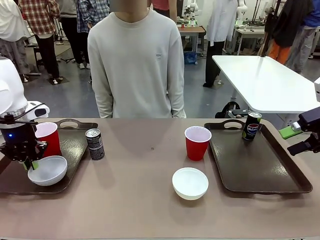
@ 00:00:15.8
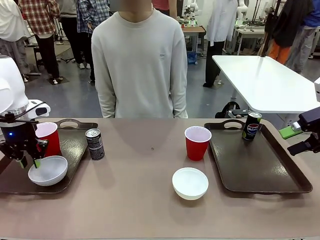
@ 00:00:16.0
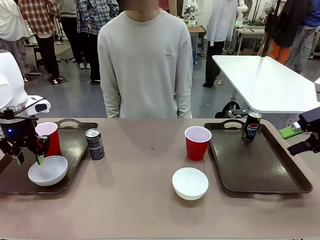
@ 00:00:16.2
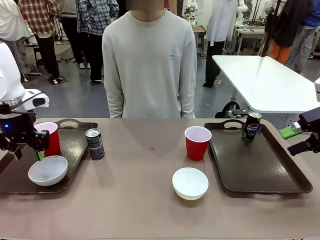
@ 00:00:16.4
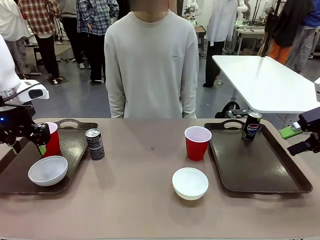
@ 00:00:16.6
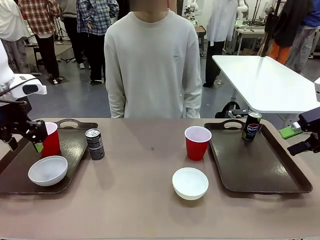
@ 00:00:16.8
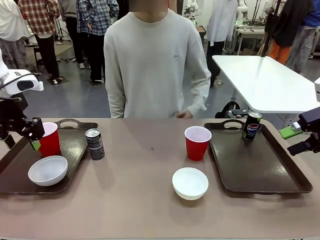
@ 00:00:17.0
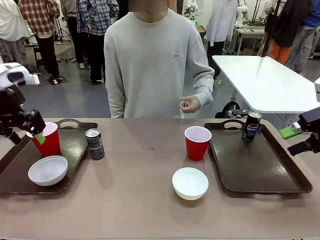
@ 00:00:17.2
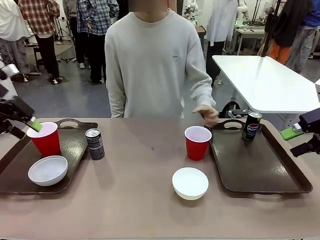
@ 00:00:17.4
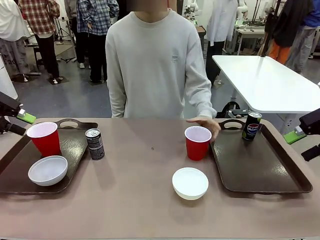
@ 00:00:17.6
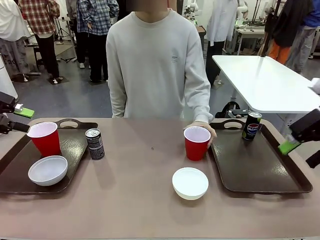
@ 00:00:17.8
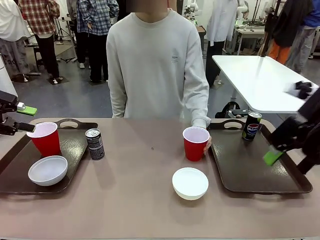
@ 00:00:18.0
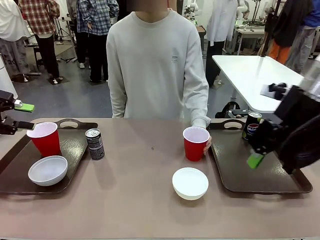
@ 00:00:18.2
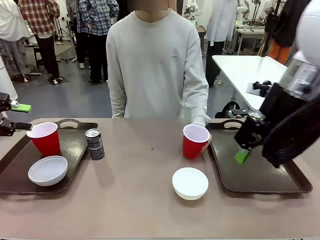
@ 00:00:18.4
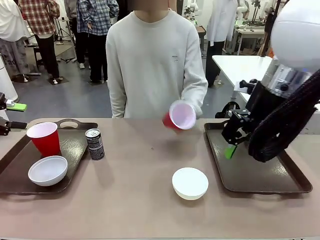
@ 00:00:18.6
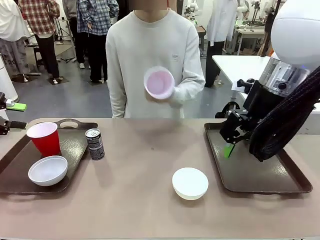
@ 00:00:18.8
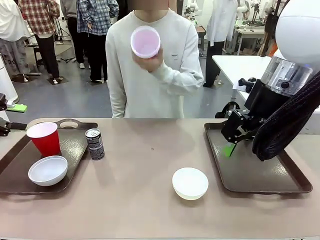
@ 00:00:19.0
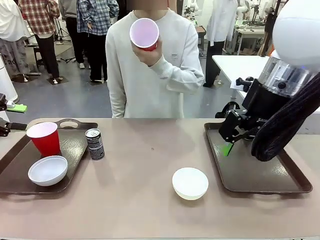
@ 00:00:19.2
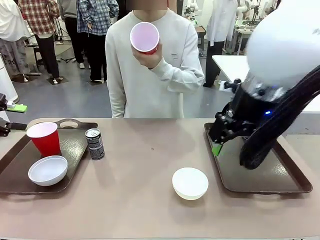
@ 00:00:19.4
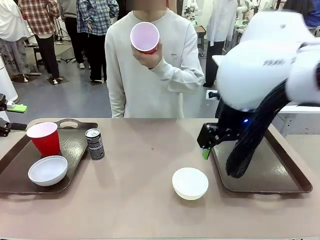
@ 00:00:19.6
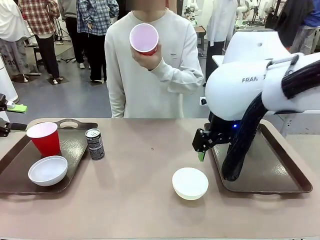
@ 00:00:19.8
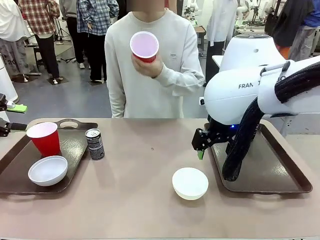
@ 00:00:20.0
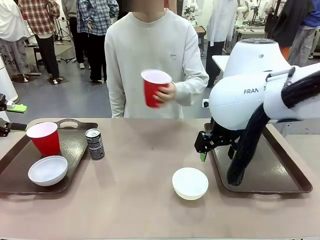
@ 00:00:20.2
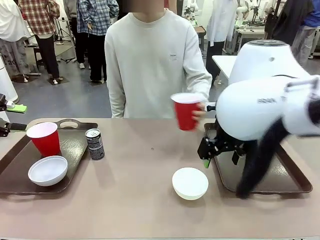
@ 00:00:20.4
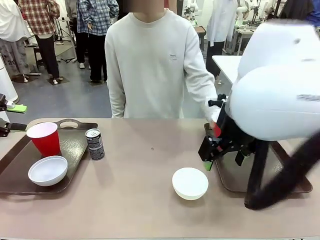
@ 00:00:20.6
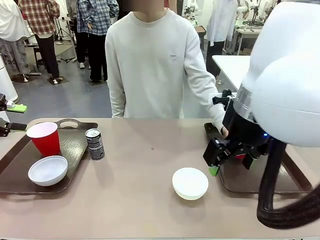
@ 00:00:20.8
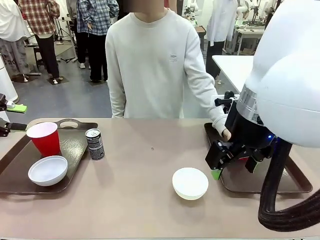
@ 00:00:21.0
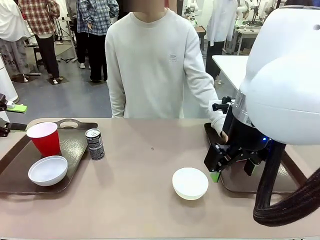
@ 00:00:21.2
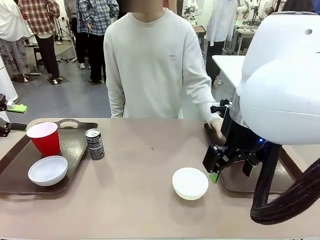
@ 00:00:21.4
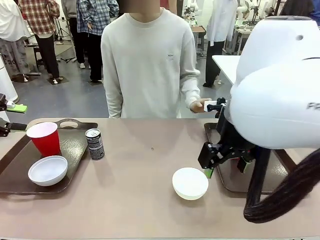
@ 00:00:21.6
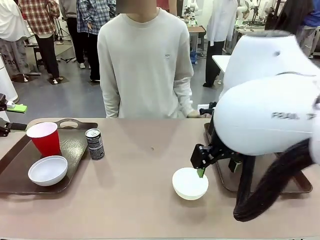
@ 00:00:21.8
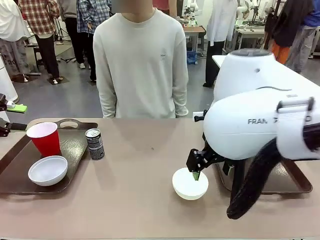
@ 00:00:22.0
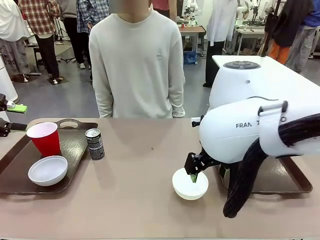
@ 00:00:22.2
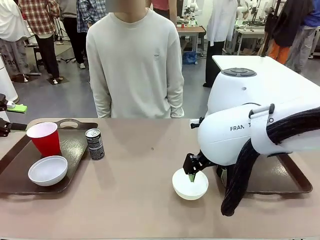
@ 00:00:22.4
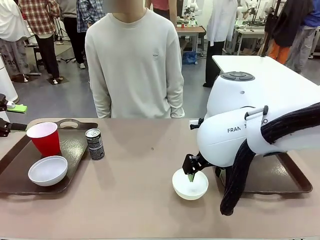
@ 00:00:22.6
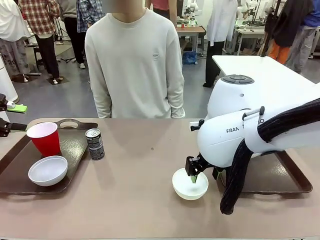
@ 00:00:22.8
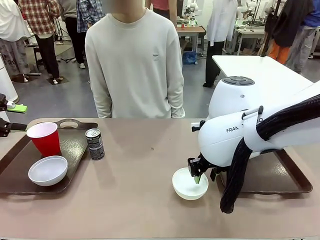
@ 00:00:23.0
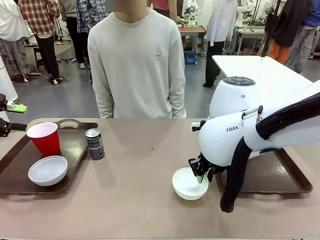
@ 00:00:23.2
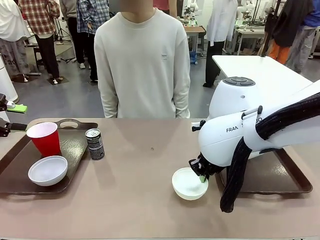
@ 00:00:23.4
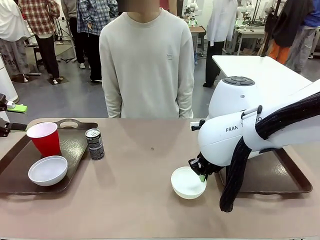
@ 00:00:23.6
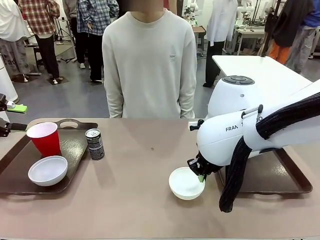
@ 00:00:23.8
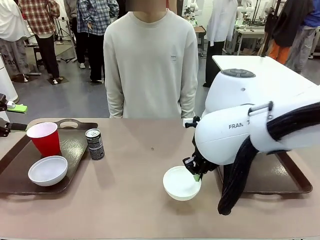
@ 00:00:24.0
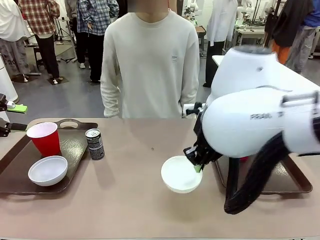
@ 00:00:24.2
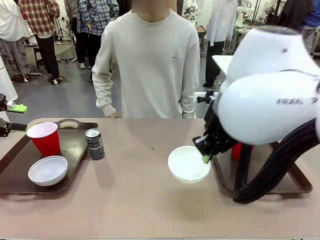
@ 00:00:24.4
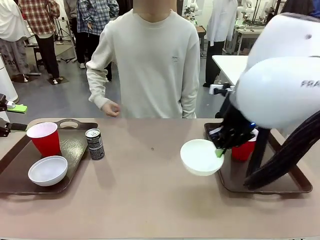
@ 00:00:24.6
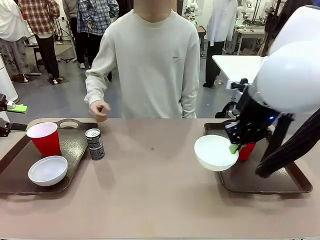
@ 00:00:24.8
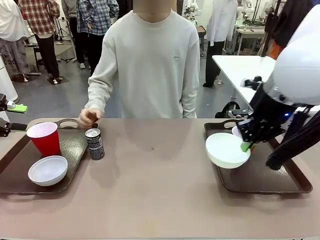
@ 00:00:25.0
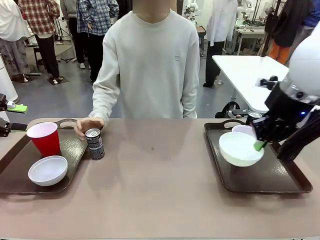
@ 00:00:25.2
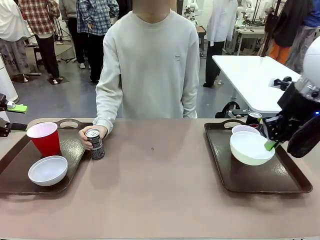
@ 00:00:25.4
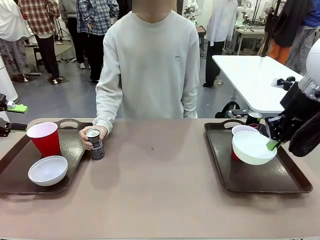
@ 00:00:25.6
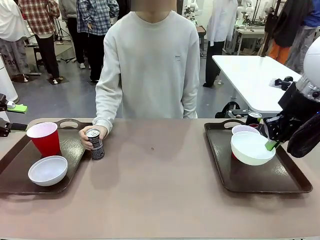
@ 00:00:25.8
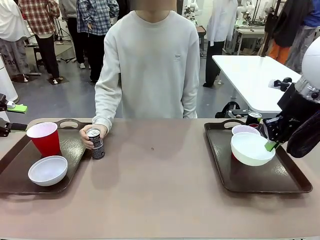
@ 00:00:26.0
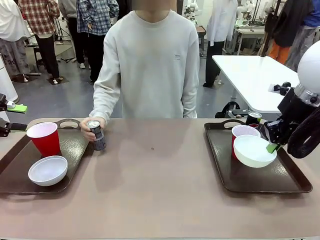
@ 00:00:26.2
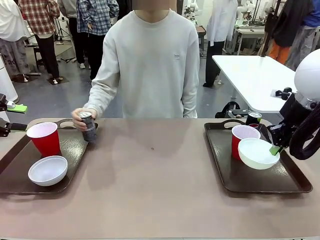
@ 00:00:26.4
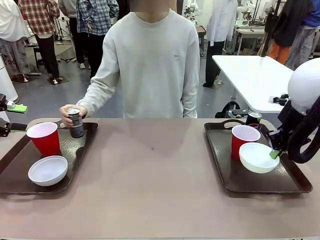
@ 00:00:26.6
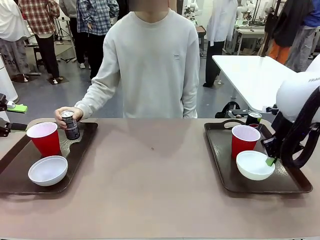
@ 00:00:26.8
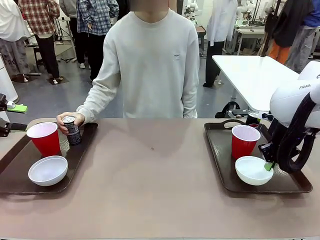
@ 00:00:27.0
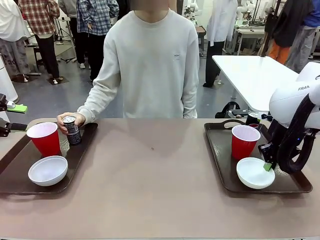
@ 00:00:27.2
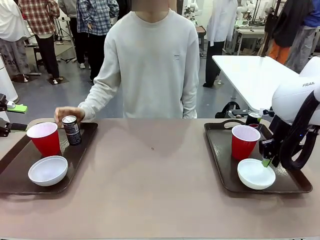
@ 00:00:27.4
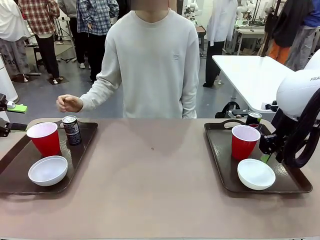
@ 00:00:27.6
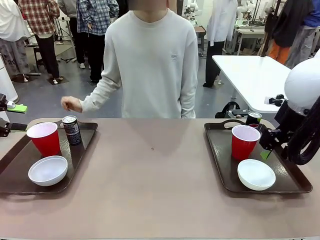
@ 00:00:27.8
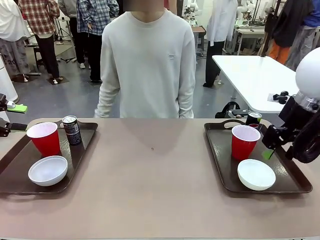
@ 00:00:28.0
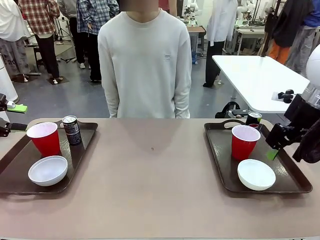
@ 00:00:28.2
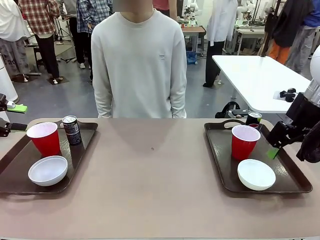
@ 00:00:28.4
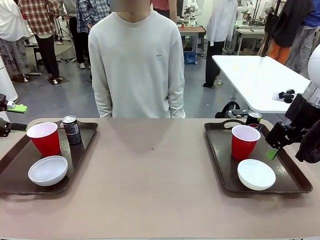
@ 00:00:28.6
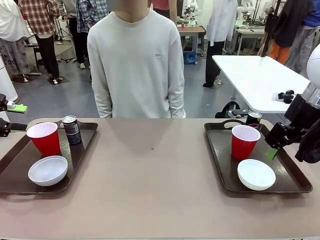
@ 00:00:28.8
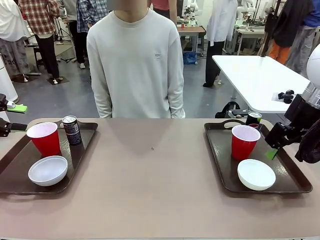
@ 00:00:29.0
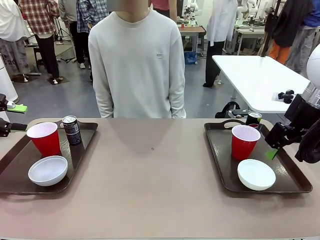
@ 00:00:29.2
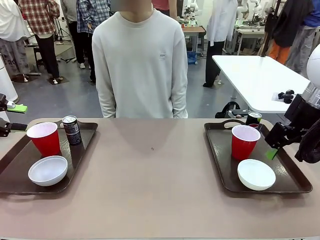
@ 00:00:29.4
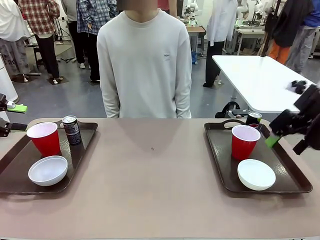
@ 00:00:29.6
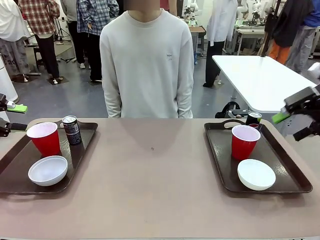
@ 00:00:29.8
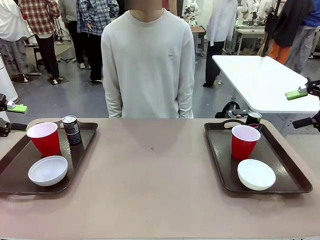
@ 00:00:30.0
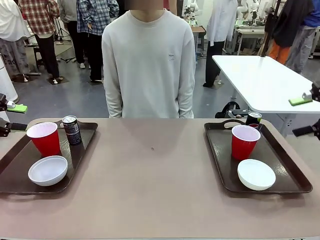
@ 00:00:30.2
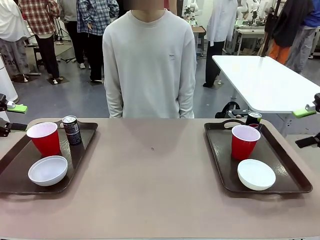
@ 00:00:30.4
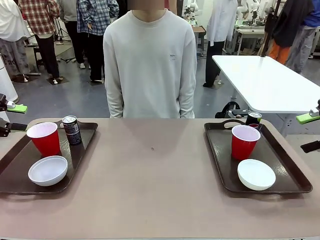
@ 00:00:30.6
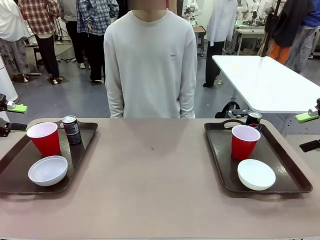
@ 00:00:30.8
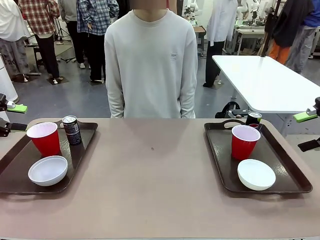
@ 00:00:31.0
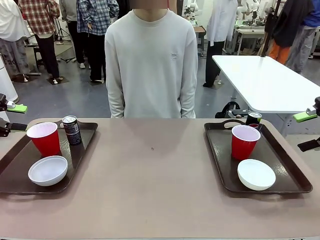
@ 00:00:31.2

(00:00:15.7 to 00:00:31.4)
Task: Prepare tableware on both trays.
Robot: Pick up a Picnic Bowl from the table and place it on a Handle tray.
Person: Pick up a can or cup and place it on the tray without a can or cup.
